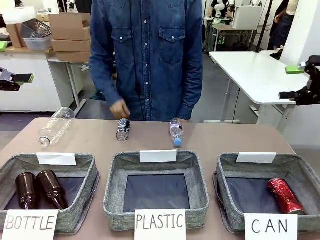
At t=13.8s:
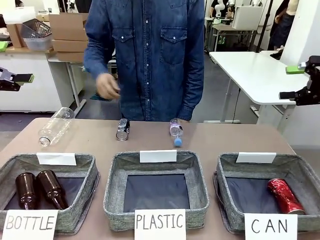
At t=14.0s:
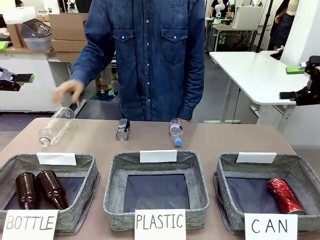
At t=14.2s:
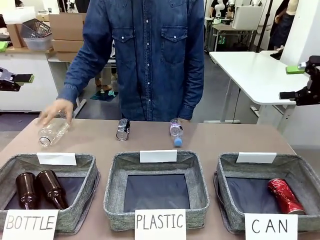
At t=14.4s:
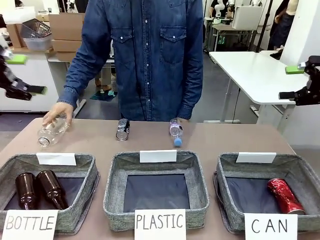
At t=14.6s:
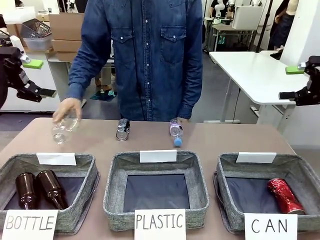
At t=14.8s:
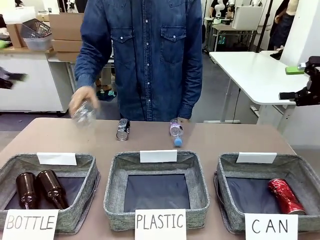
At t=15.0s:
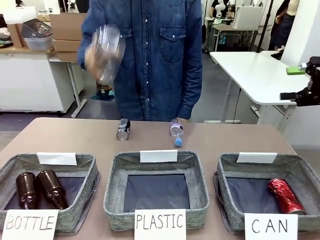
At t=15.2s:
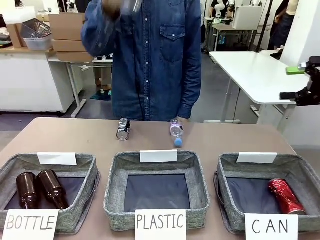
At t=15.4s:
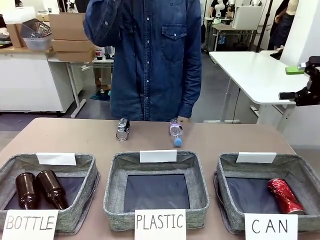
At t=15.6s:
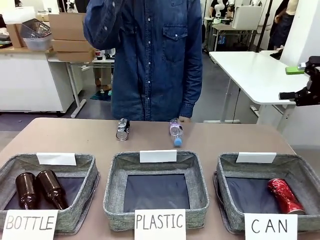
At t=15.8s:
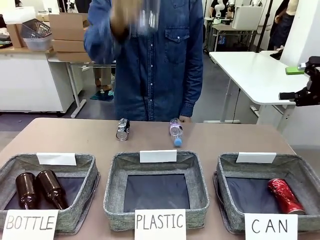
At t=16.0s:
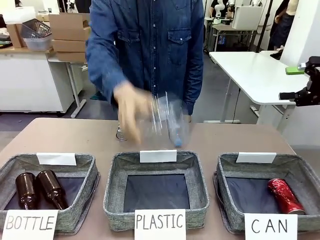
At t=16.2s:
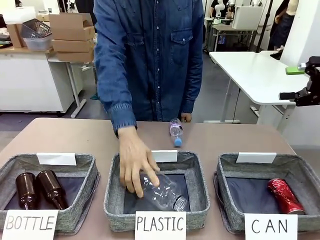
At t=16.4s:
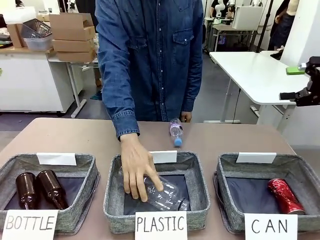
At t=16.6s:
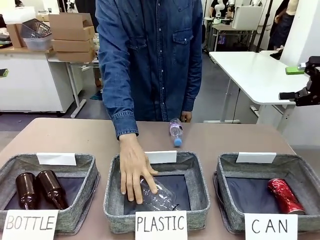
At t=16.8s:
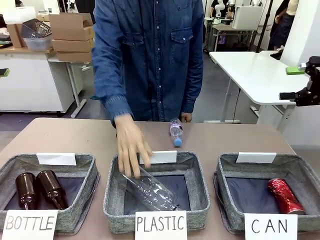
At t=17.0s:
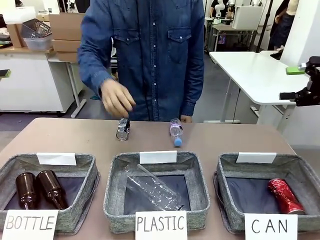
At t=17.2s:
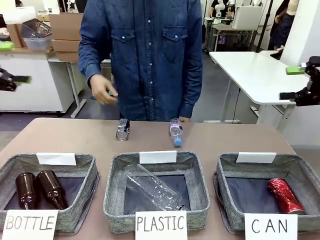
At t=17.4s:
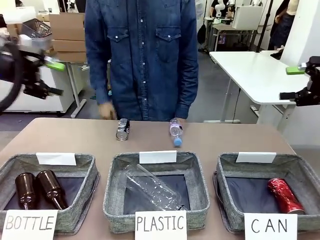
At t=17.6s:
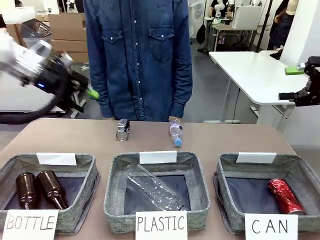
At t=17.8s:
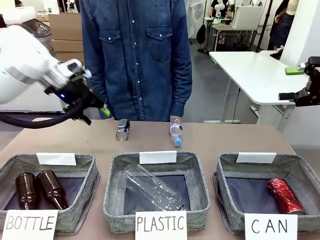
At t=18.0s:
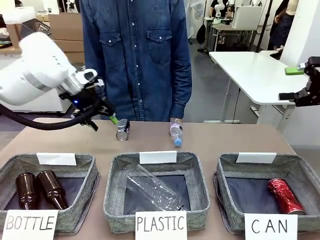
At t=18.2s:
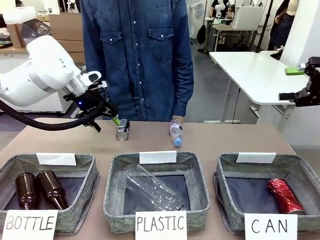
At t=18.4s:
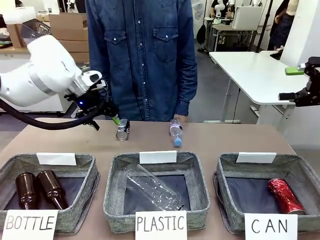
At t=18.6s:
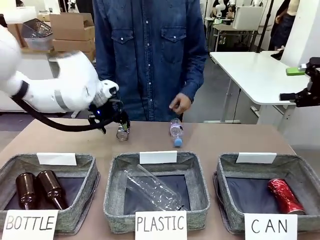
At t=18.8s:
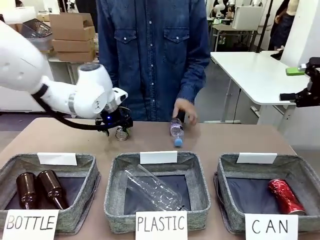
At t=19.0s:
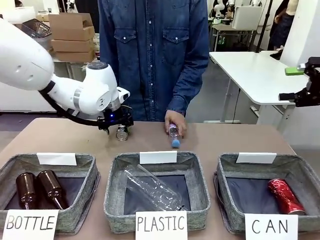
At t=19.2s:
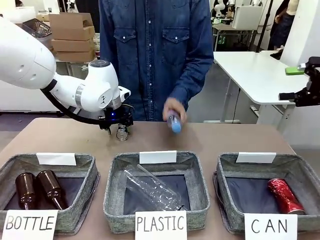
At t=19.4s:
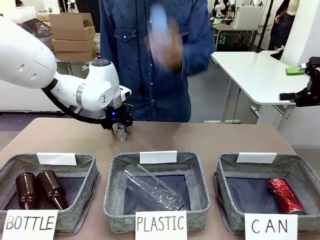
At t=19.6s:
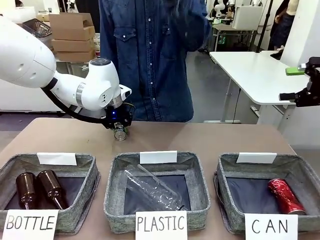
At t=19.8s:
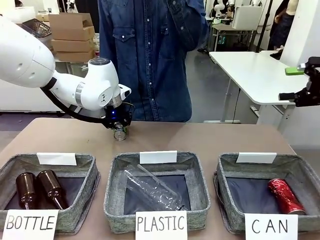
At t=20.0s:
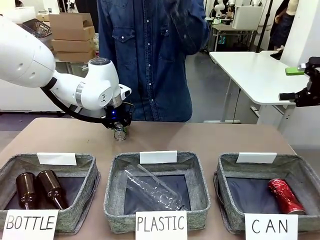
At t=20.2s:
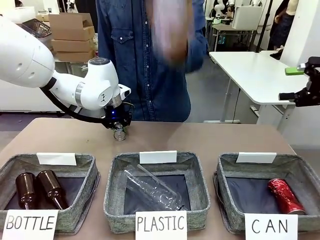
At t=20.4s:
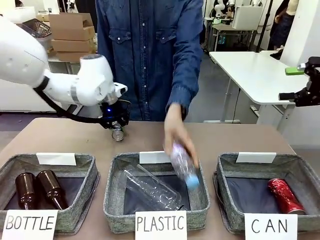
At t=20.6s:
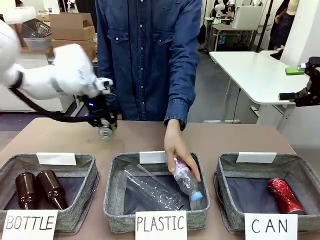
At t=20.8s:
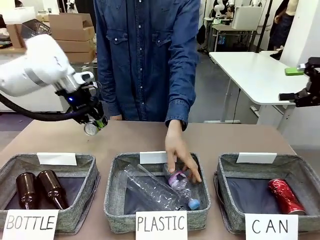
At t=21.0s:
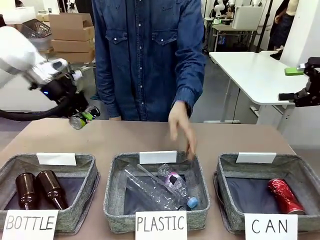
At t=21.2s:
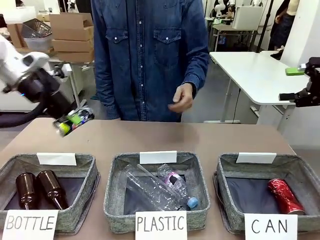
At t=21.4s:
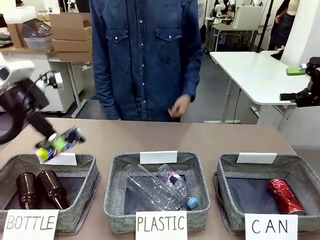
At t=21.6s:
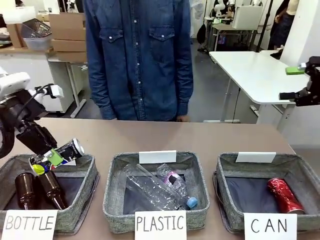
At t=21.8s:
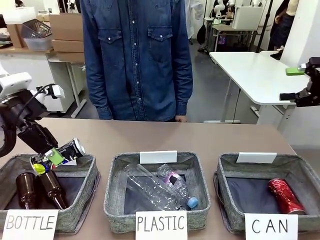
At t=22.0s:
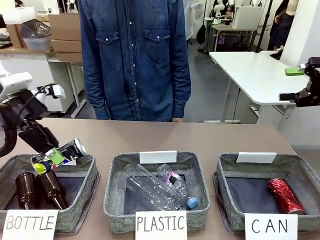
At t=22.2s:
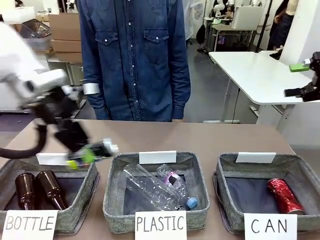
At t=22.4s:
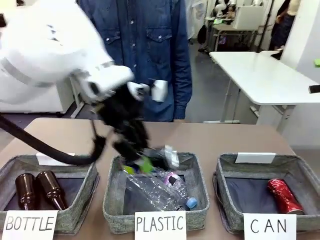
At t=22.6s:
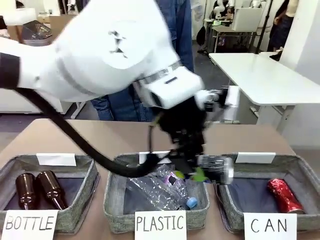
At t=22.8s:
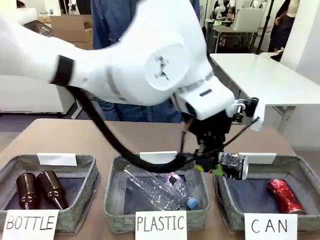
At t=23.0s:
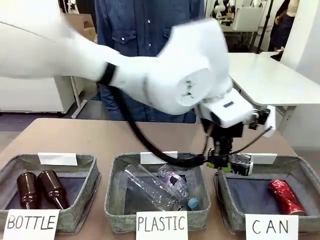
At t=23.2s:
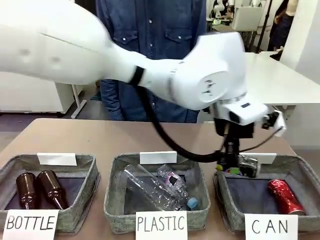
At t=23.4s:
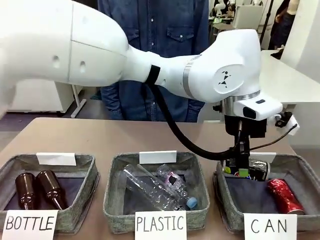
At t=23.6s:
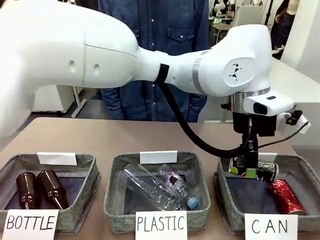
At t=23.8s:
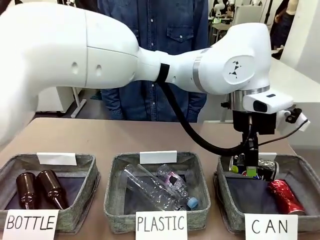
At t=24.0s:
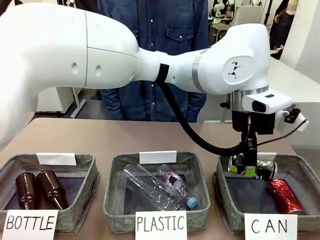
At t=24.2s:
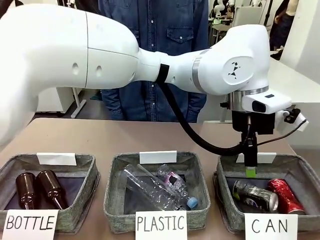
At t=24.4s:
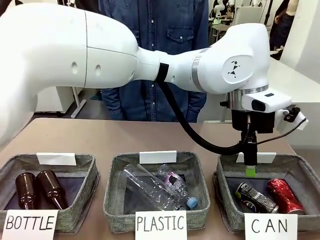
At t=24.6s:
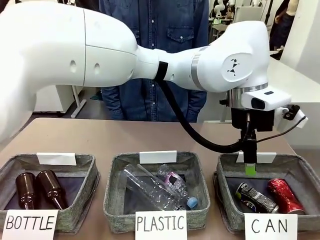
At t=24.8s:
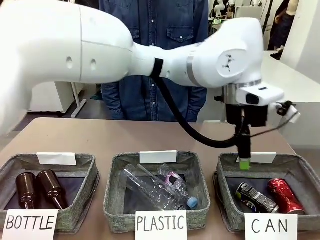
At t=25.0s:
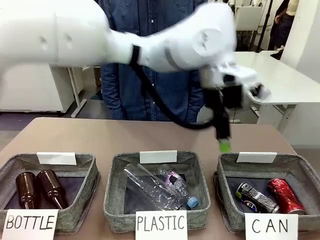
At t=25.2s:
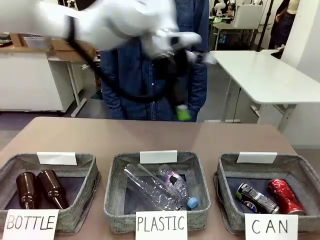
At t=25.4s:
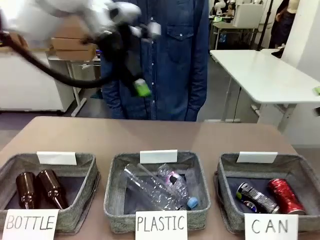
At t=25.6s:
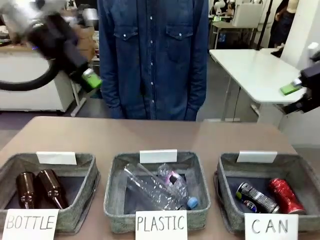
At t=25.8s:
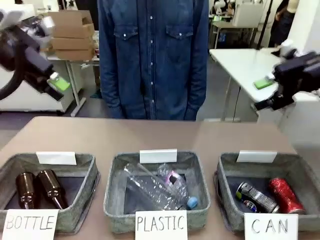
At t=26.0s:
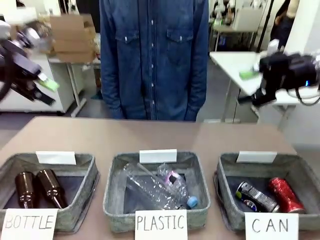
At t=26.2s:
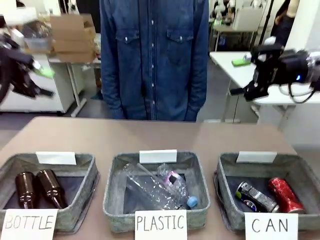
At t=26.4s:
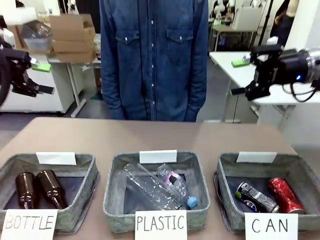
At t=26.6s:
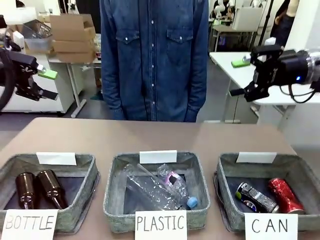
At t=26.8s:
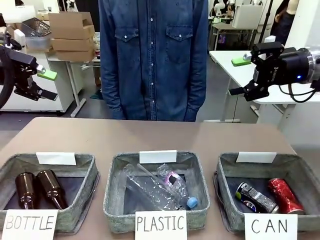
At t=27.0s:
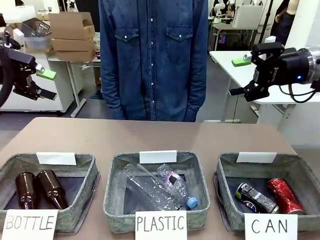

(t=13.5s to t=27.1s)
Task: Sort the can waste into the basket.
Robot: Pick up the can waste from the table and place it in the right Fabric basket.
Person: The human picks up one piece of trash that is not a can and places the trash into the appropriate organizing basket.
